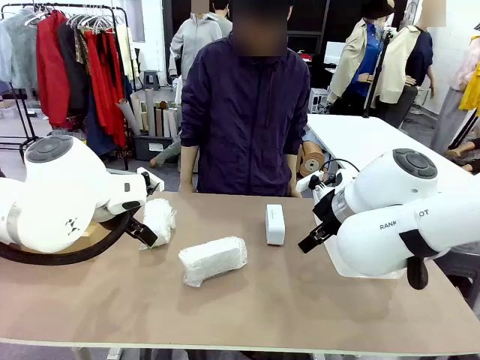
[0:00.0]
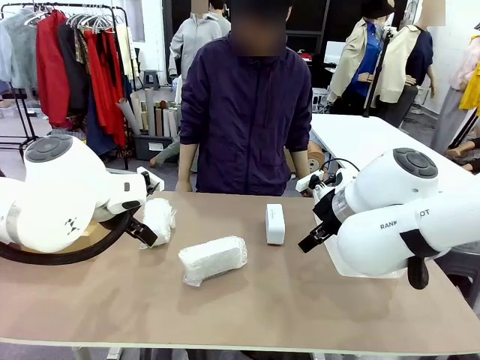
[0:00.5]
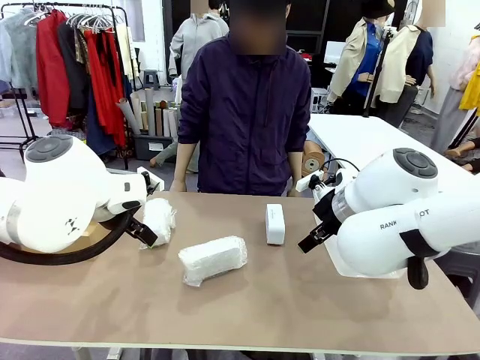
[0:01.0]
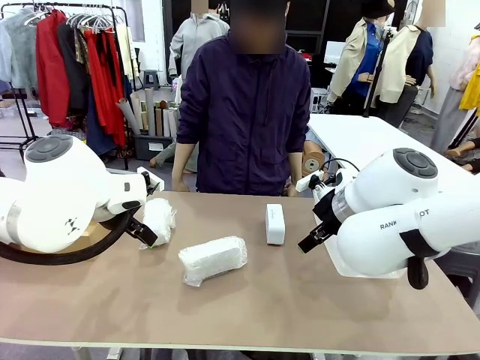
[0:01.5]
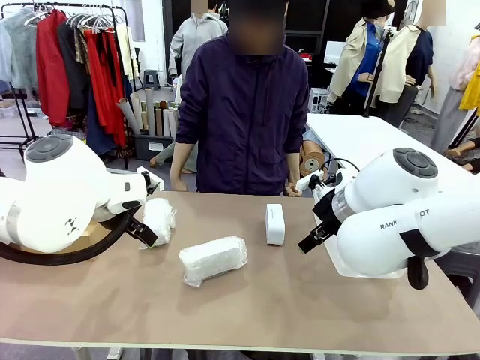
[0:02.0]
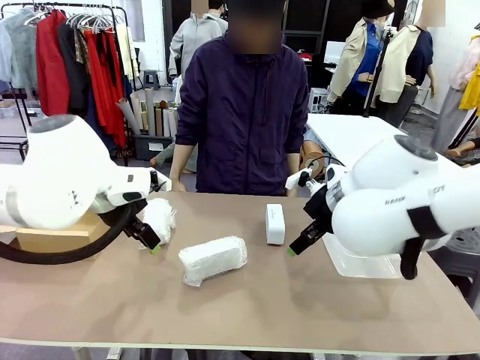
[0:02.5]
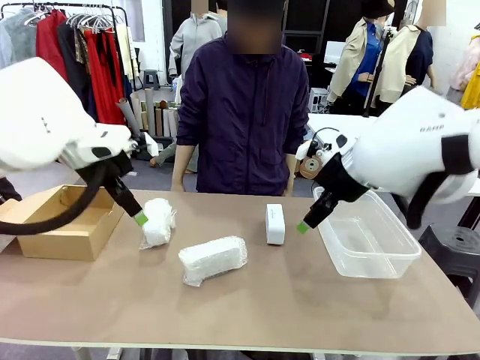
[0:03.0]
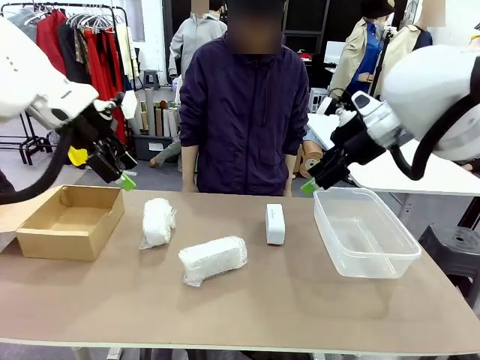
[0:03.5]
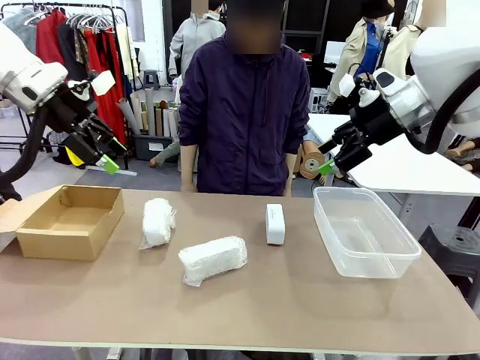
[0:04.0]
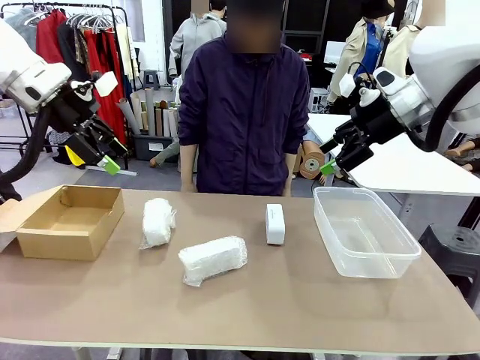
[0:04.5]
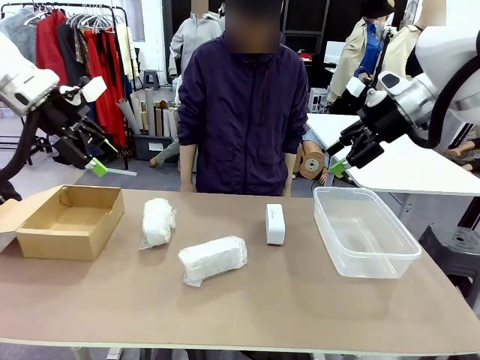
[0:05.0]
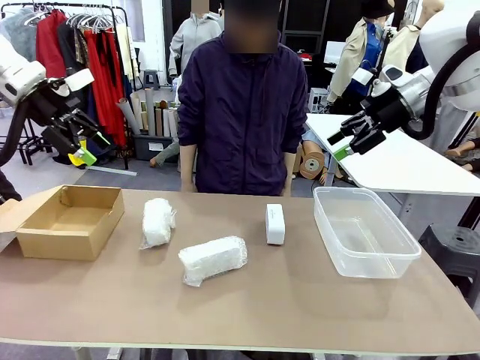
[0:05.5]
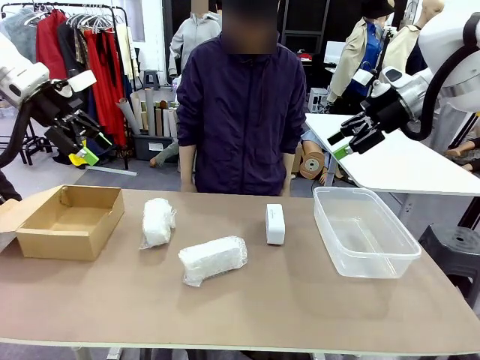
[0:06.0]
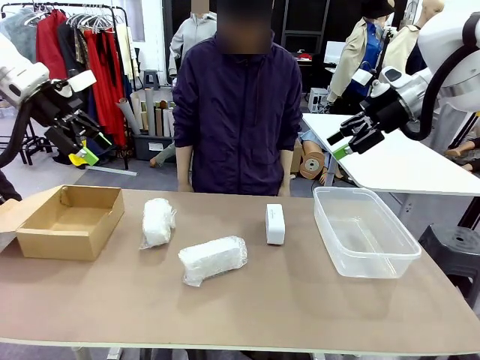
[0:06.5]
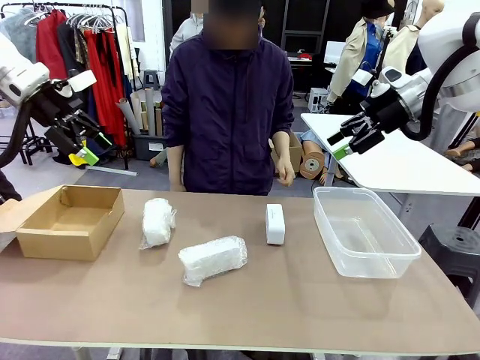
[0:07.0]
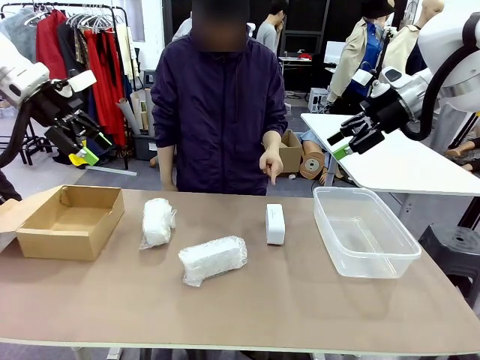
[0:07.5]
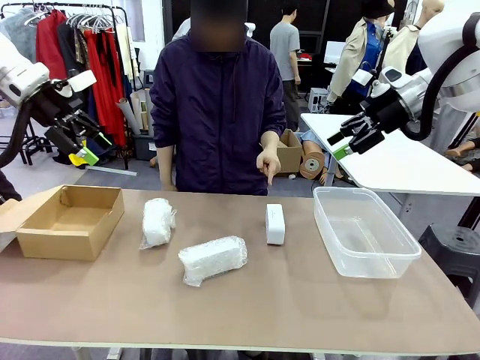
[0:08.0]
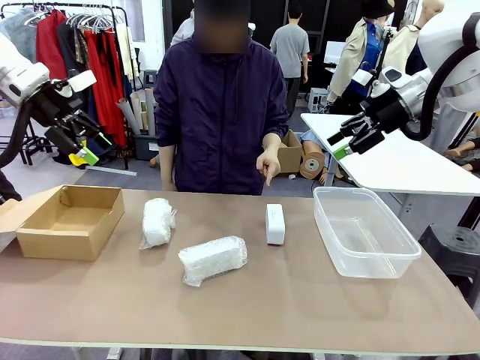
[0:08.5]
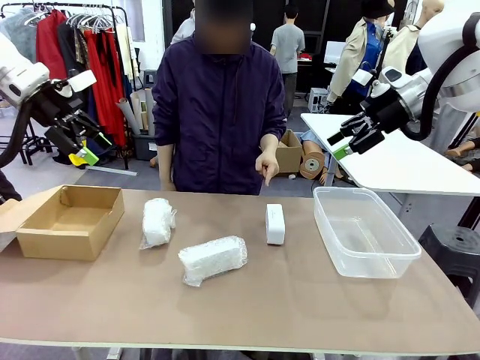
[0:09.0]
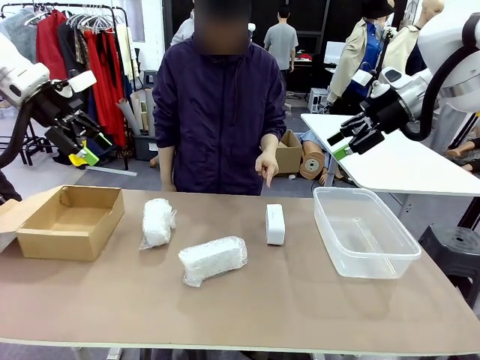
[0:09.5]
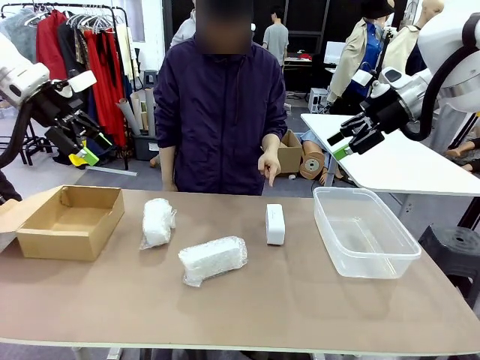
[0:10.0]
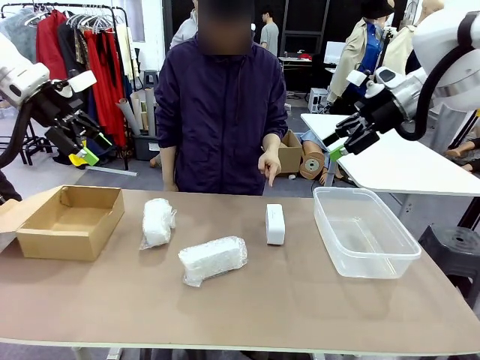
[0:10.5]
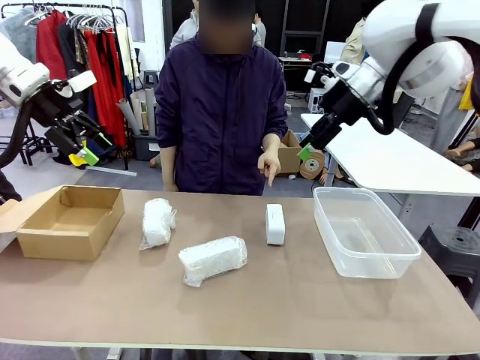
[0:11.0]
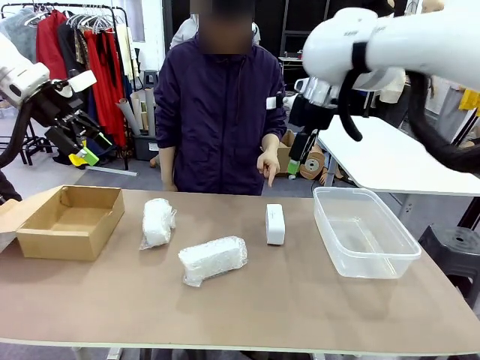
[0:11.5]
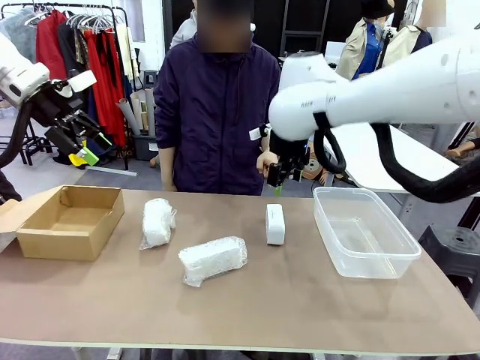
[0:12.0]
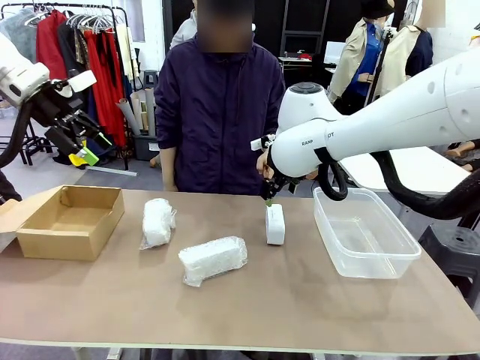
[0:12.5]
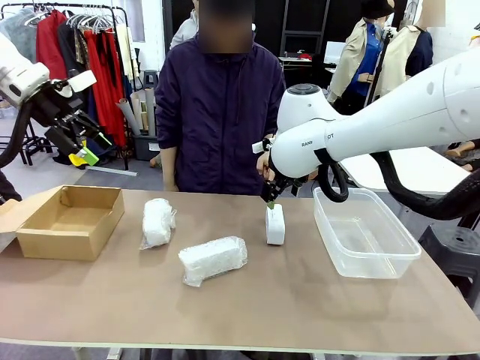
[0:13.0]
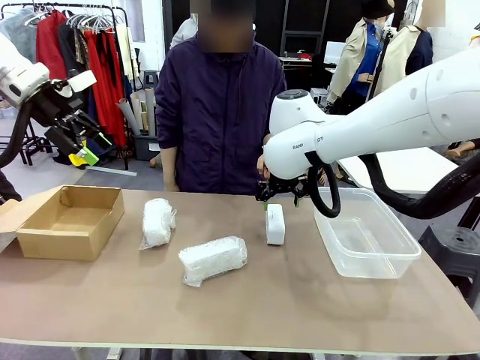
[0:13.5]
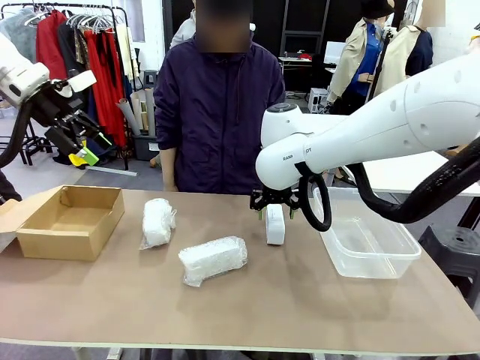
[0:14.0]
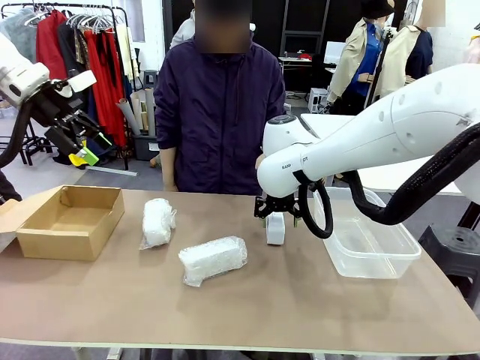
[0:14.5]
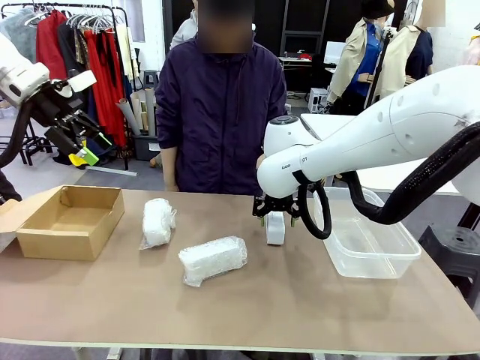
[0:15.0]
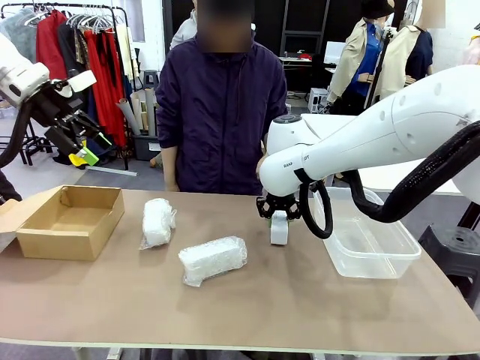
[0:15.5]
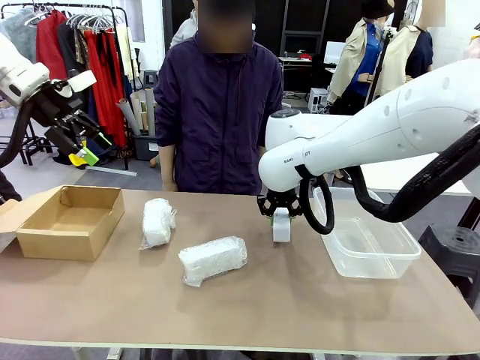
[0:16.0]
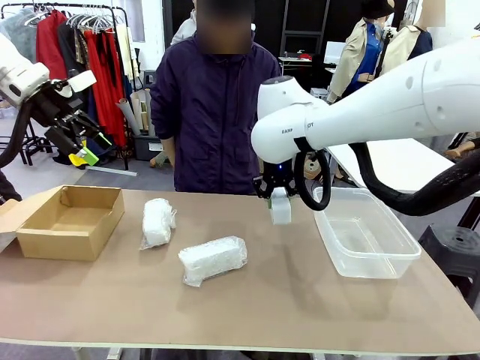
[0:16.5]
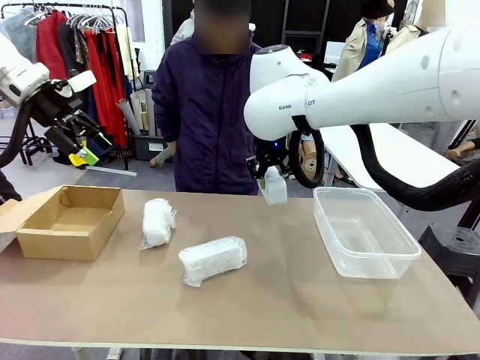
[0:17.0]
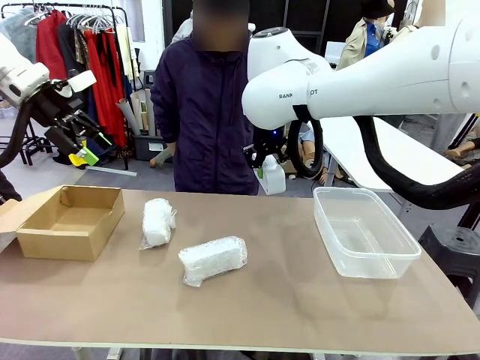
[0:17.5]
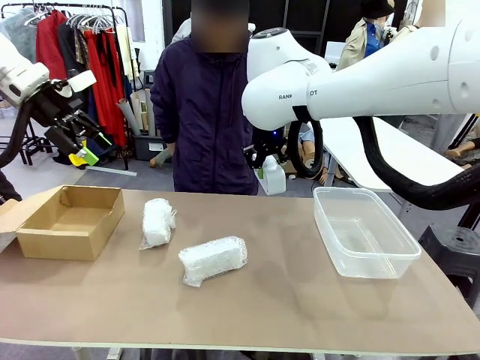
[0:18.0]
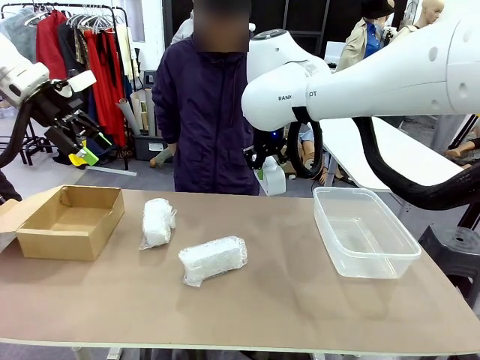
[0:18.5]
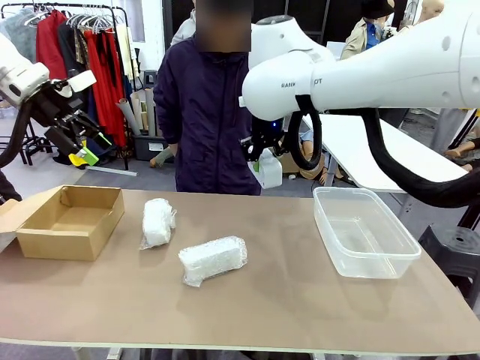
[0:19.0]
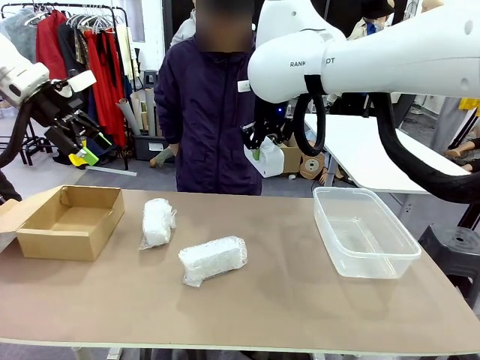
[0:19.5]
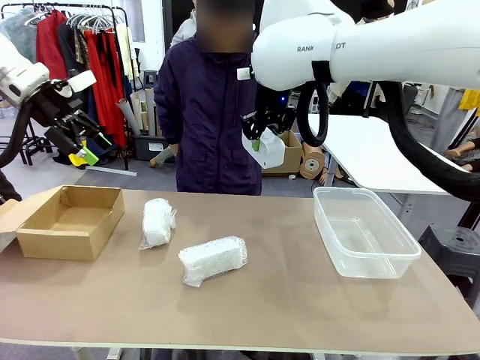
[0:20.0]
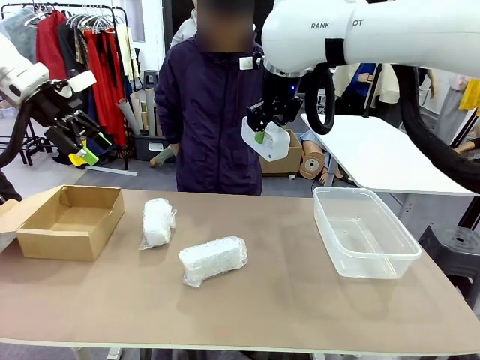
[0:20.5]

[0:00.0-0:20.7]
Task: Separate and place wrapped and unwrapped clocks.
Robot: Pick up the Digital clock indicated by the person.

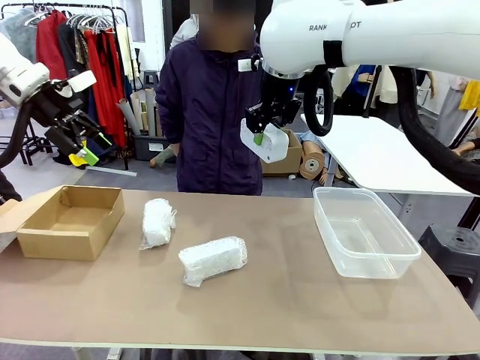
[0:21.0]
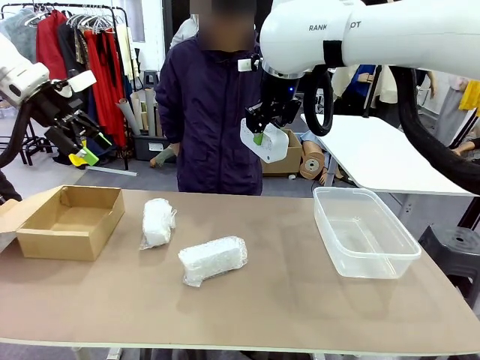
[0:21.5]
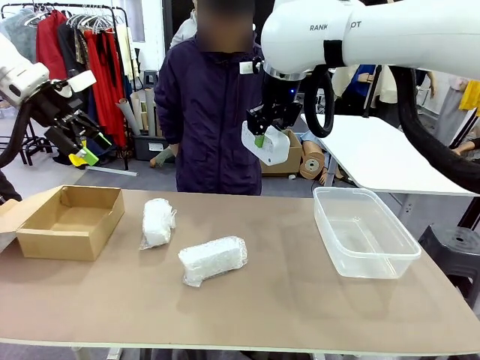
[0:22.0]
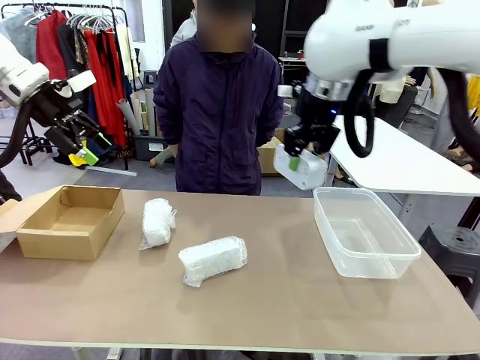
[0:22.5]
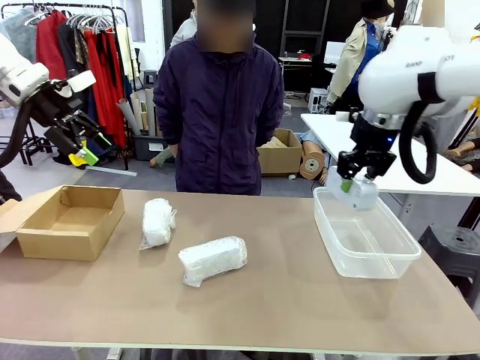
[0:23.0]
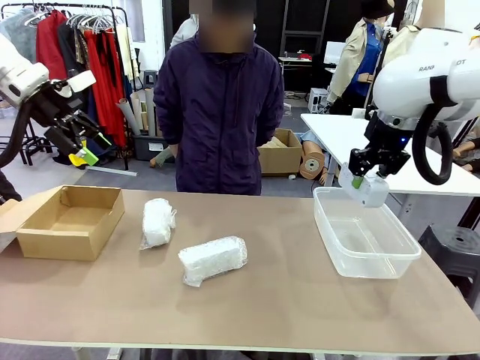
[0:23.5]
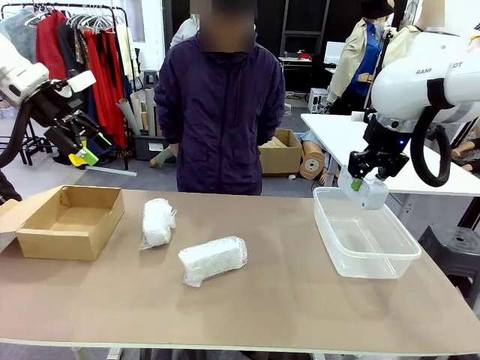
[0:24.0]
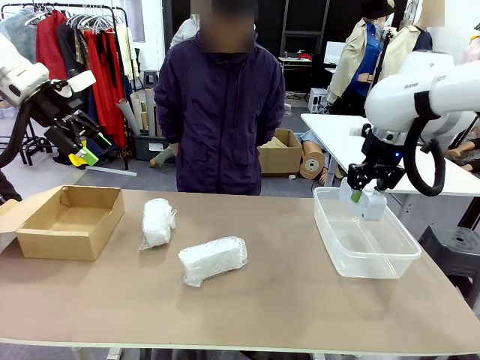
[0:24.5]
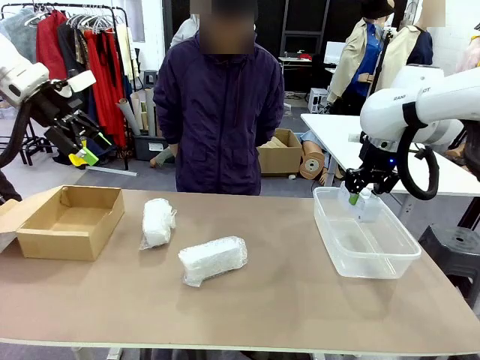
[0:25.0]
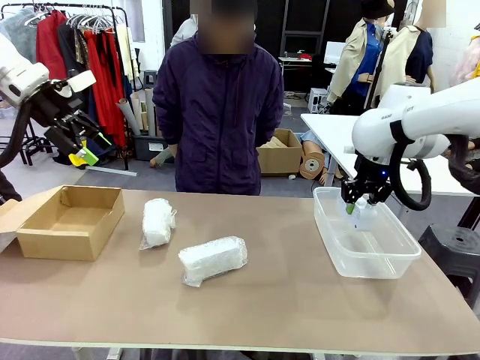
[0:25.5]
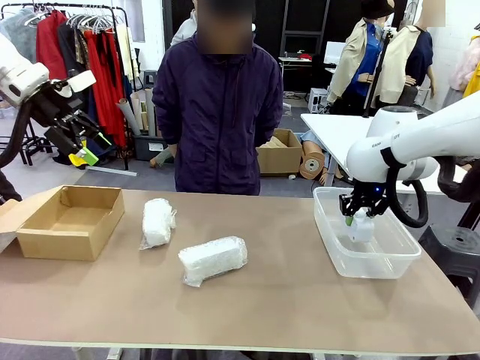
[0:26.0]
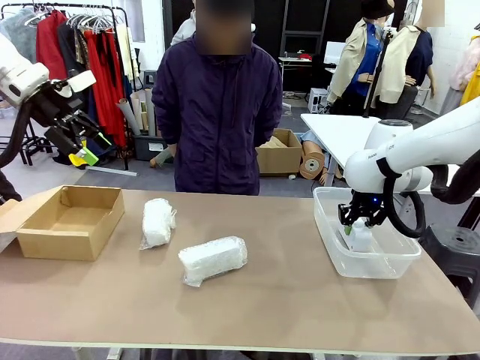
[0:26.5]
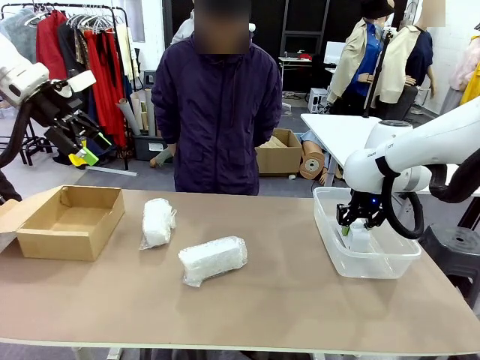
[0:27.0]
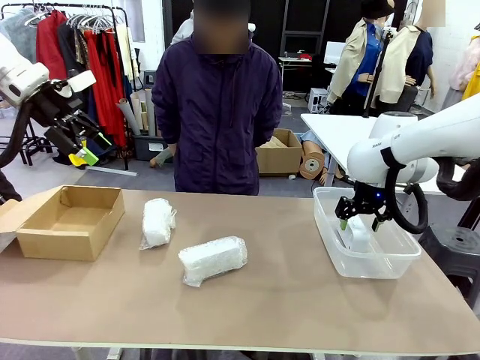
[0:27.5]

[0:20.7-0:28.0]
Robot: If the picked Digital clock is wrapped, place it in the Package Box ; if not, place it in the Organizing box.
